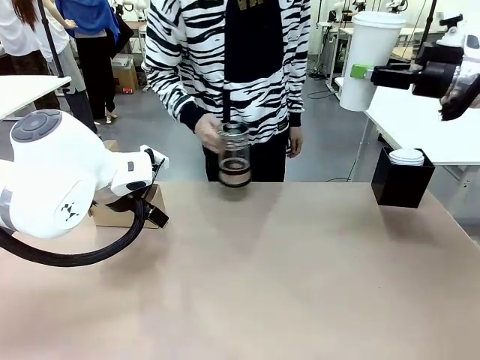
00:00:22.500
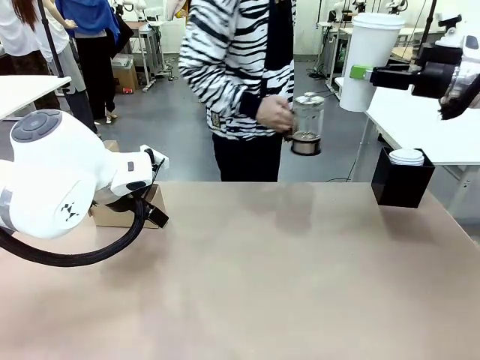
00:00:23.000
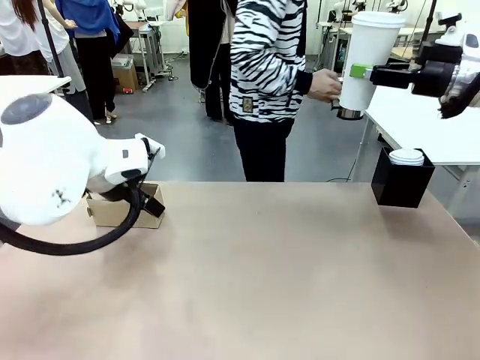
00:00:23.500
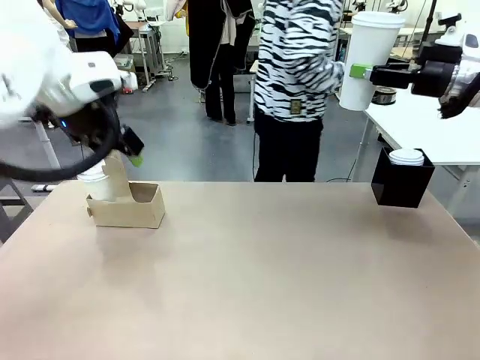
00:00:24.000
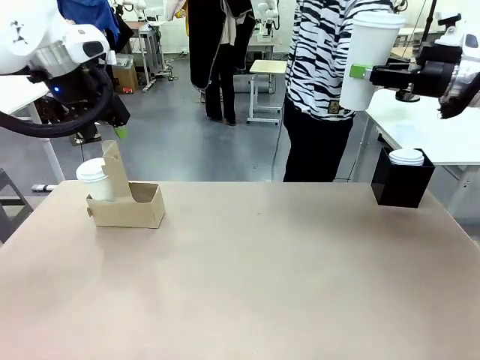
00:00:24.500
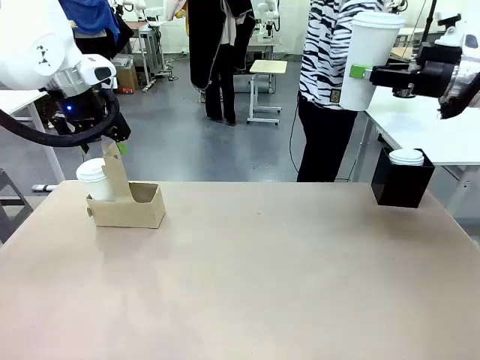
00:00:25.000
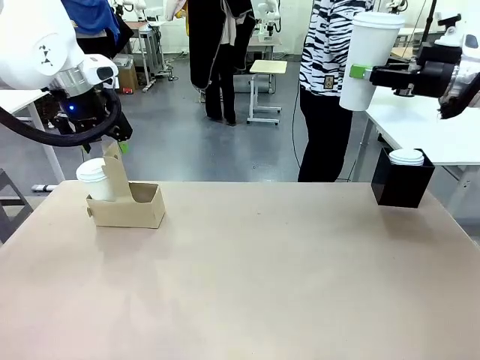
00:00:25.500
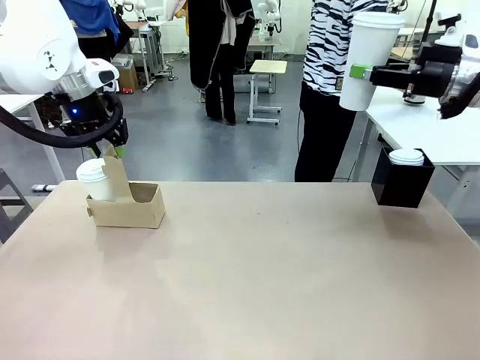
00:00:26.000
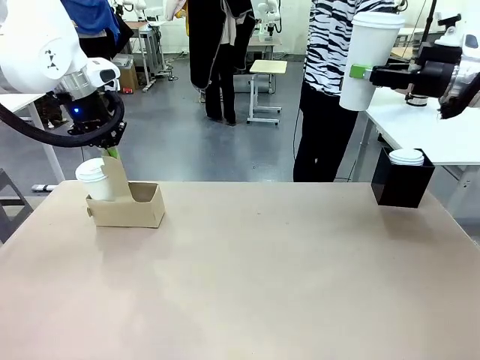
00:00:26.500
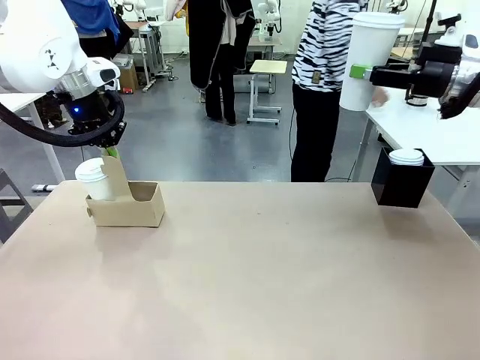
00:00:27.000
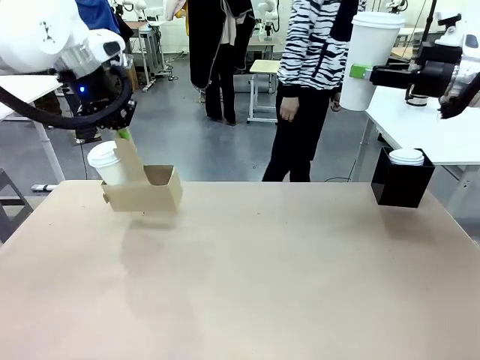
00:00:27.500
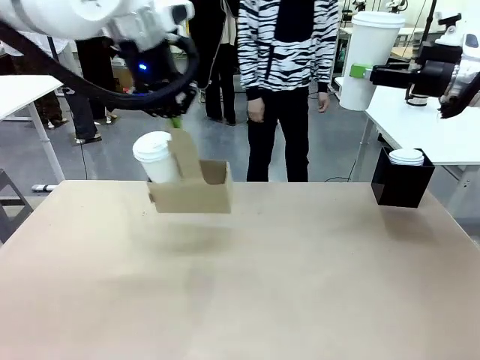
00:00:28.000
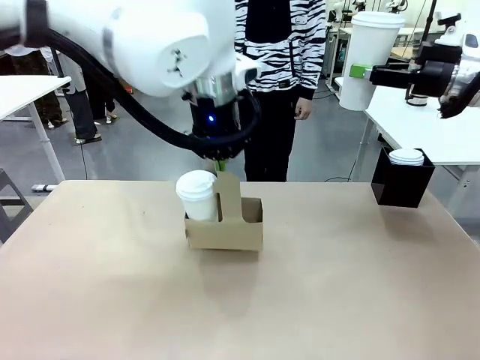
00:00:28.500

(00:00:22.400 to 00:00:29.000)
Task: Pour a drink into a cup and package it in a carrier.
Robot: Position the Cup Carrier in the center of the table.
Person: Pick up the Filter Brewing and place on the middle of Human table, and return to the Robot table.

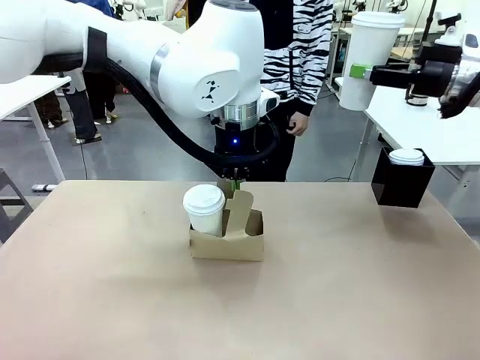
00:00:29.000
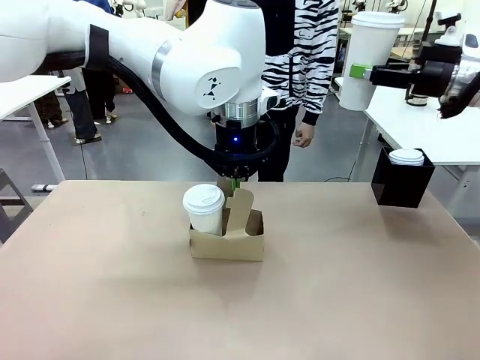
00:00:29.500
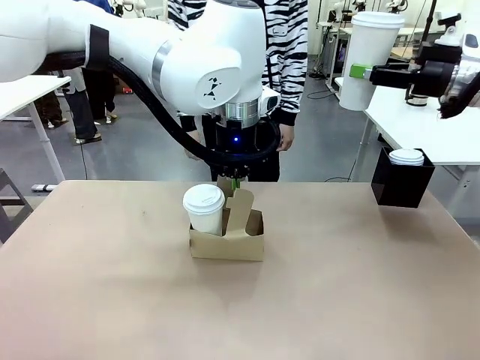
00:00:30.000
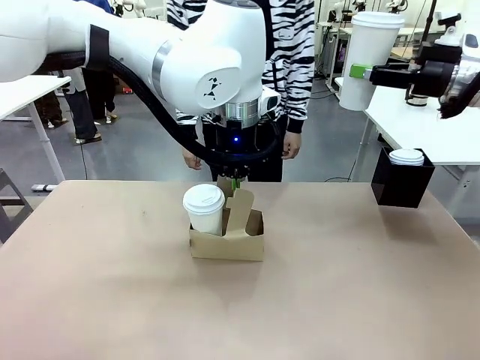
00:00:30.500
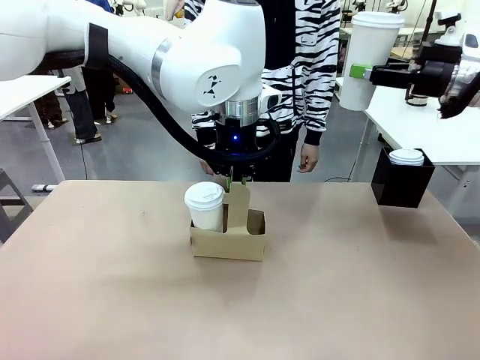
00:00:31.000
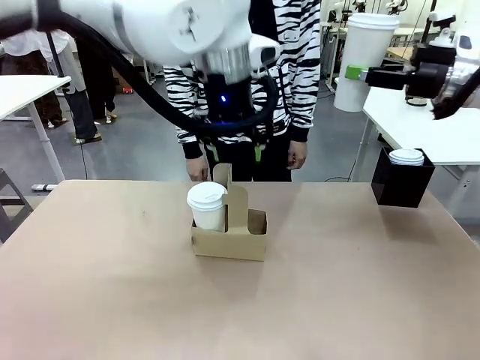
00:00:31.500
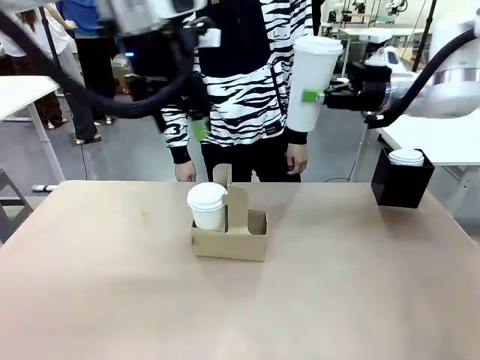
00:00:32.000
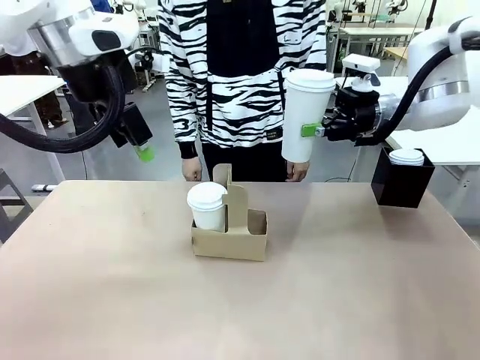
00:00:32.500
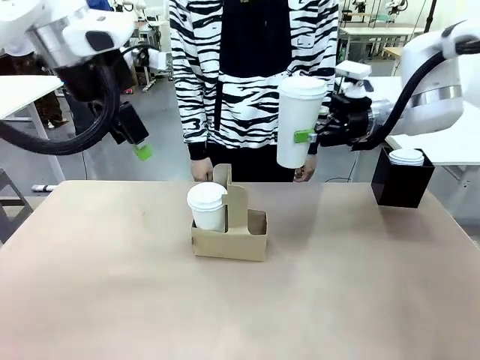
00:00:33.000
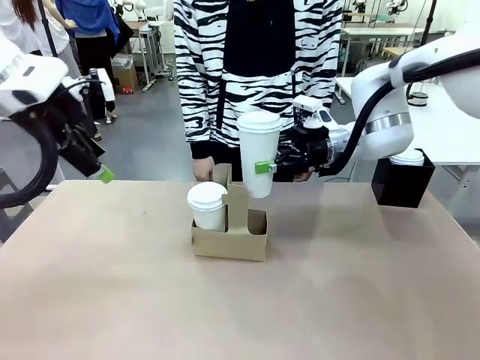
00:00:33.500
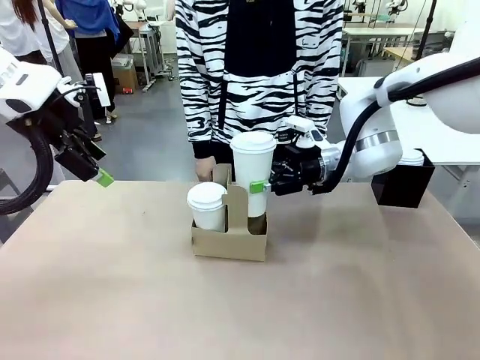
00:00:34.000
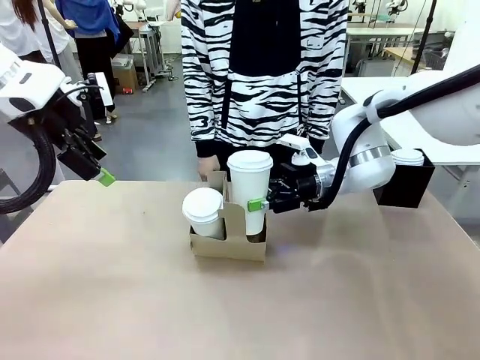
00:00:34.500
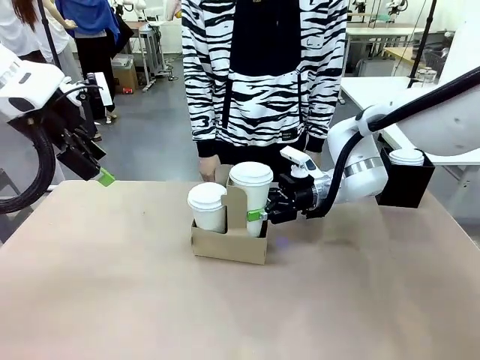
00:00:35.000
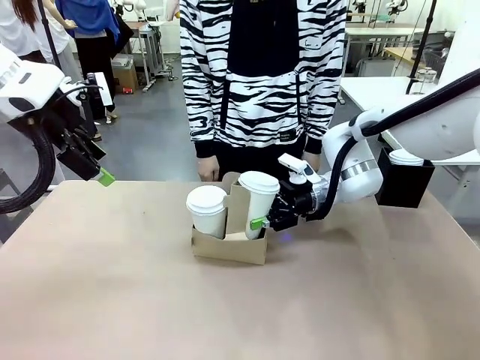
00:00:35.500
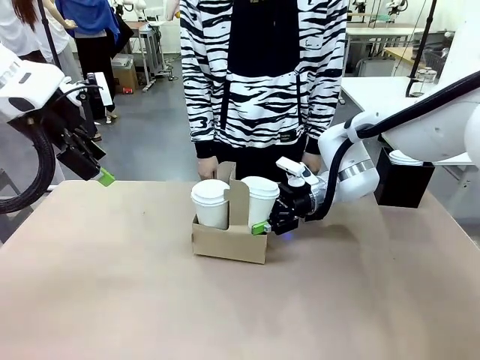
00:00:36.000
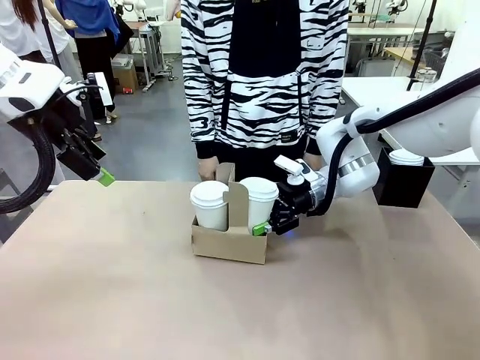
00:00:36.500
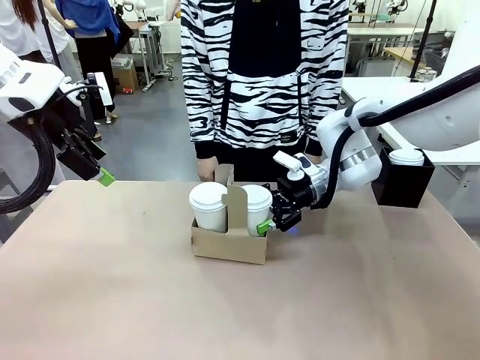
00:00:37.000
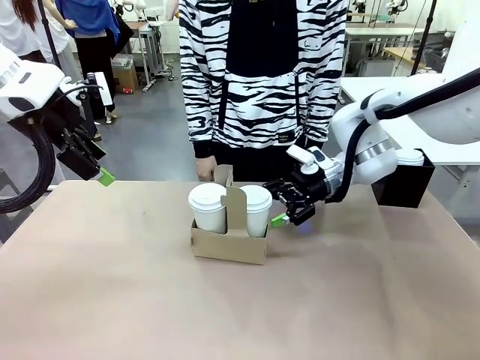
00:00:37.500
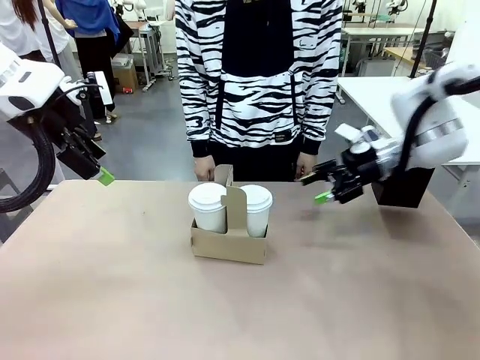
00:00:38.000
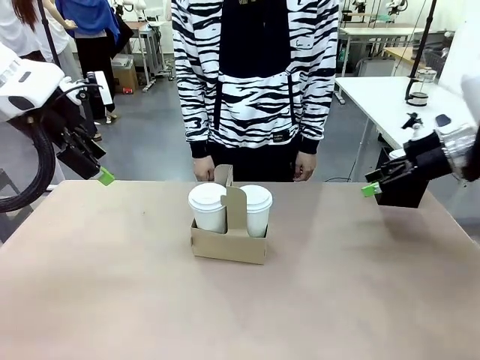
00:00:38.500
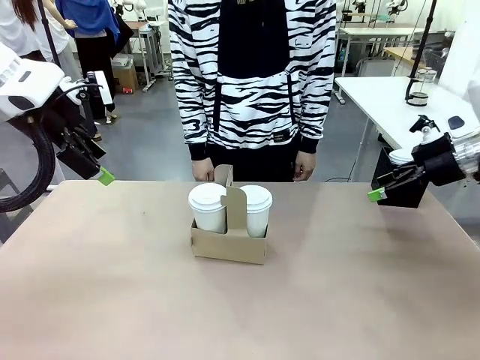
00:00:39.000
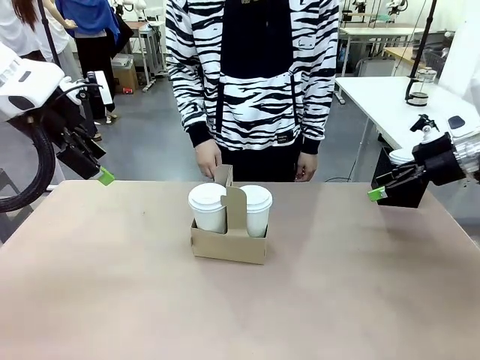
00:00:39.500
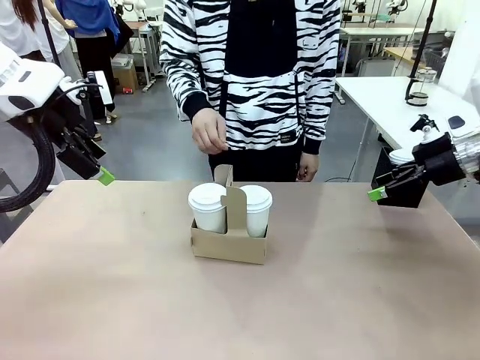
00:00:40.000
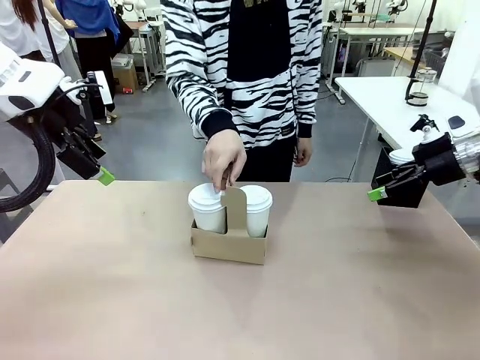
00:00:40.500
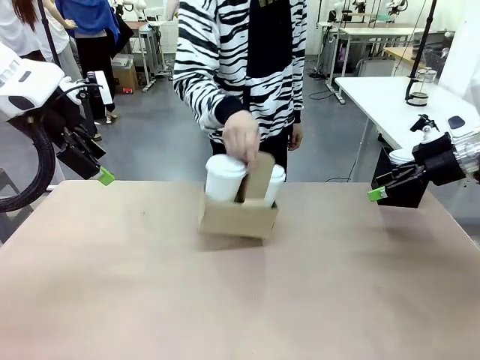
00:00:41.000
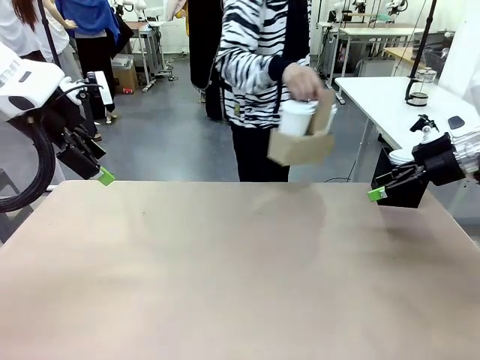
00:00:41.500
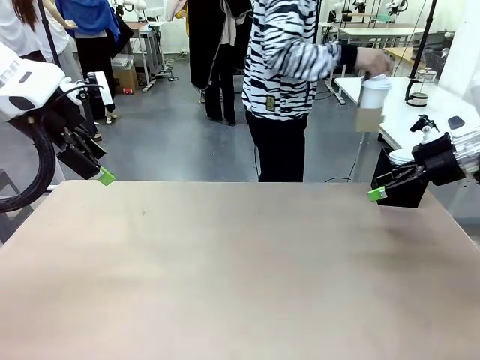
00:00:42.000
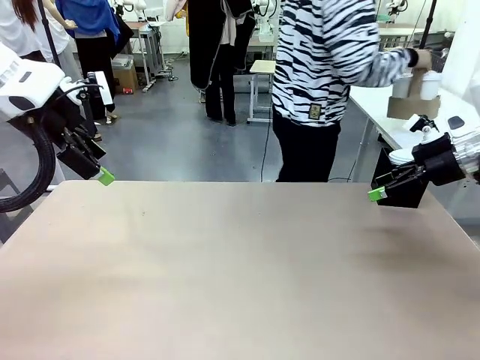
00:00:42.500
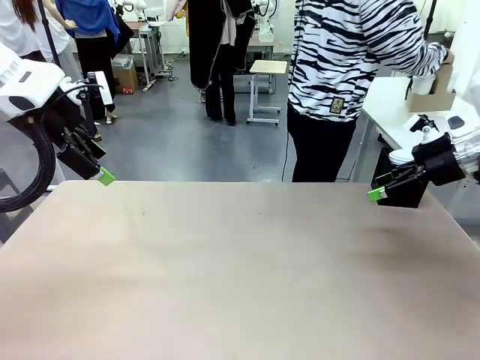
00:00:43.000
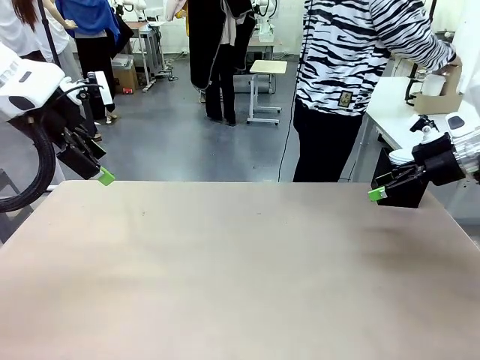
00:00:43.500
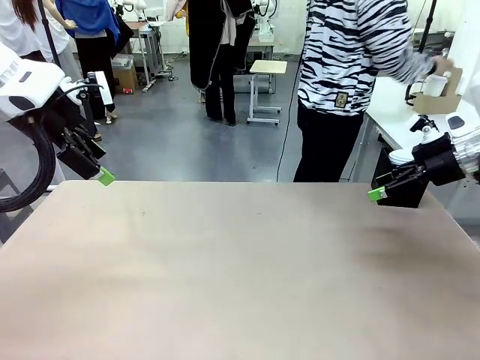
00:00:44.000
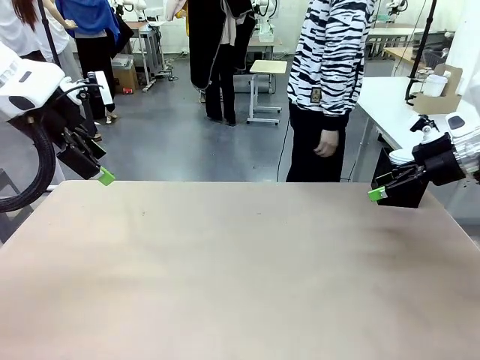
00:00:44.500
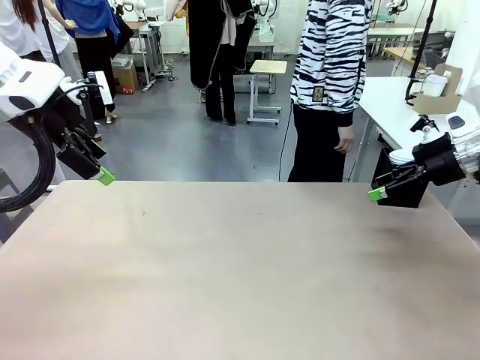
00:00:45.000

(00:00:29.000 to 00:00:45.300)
Robot: Insert the held 600 ml Paper Cup into the Cup Carrier.
Person: Place the Cup Carrier to the middle of Human table.

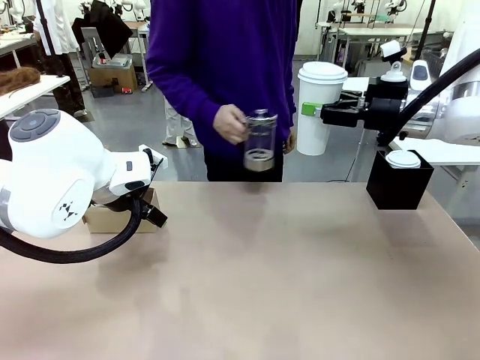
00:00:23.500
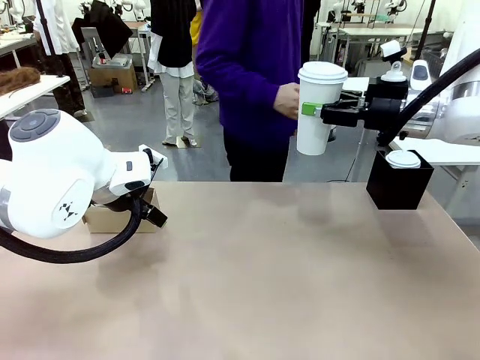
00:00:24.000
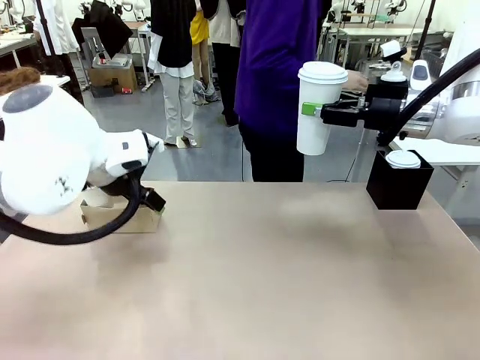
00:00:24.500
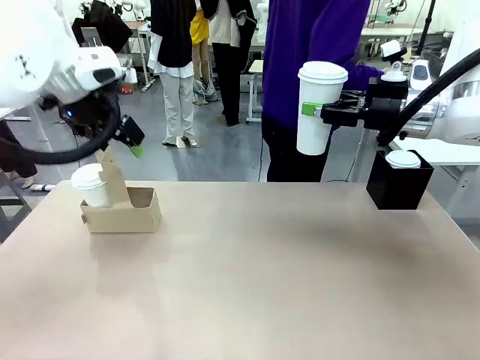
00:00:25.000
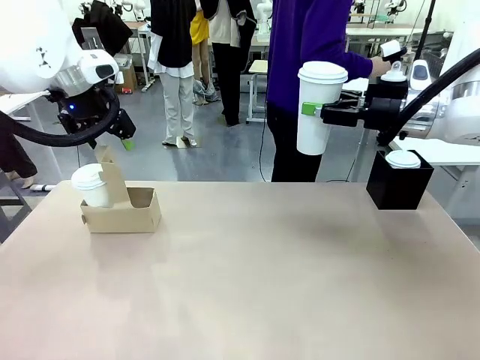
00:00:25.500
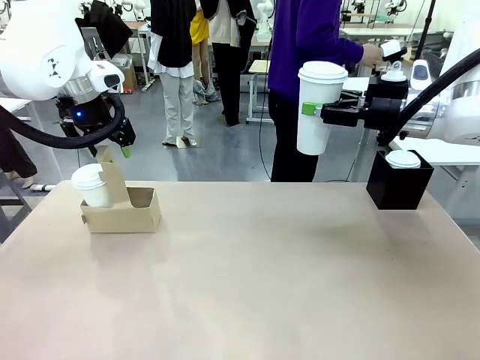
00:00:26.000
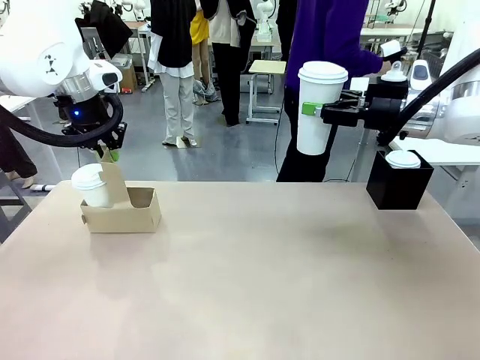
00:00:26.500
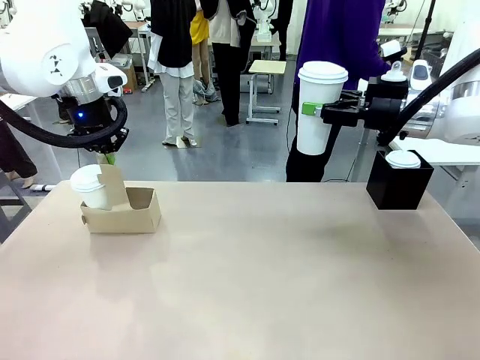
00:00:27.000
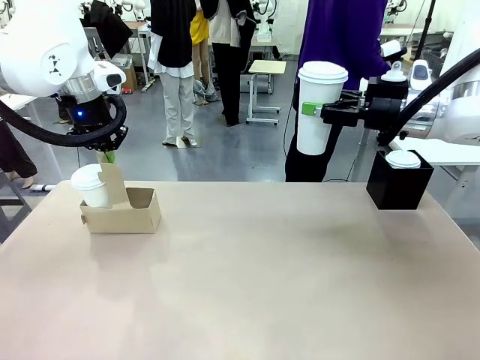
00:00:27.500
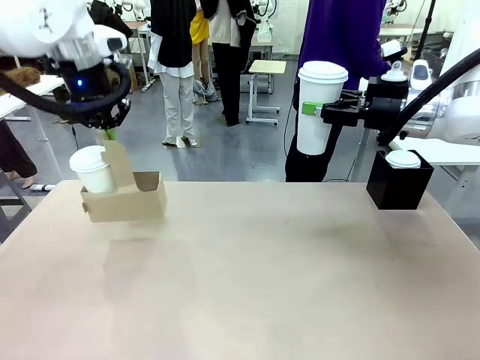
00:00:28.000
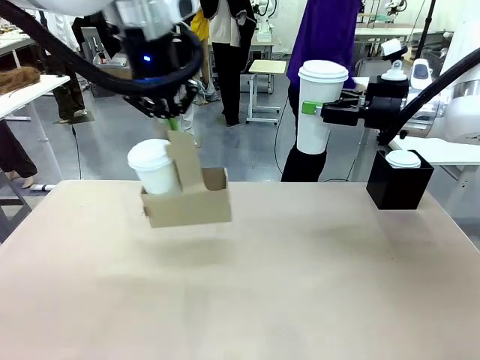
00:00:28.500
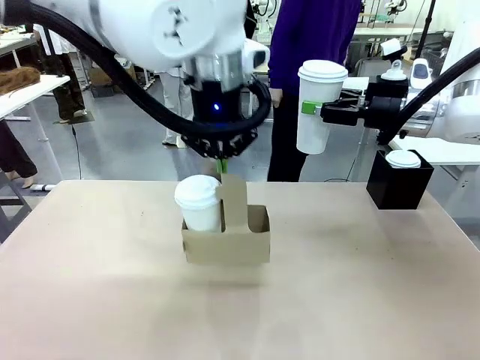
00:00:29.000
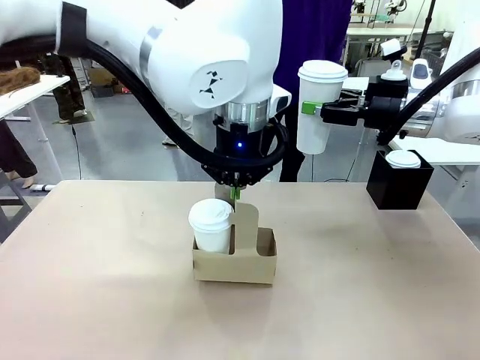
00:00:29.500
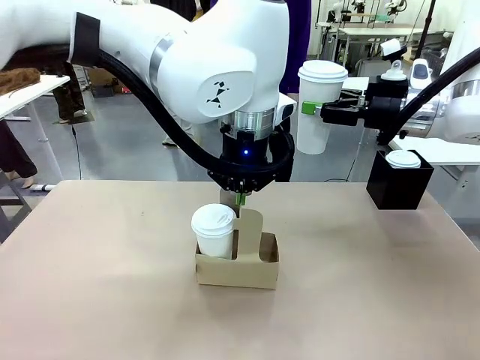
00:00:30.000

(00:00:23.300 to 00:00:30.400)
Task: Pour a drink into a cup and package it in a carrier.
Robot: Position the Cup Carrier in the center of the table.
Person: Pick up the Filter Brewing and place on the middle of Human table, and return to the Robot table.
